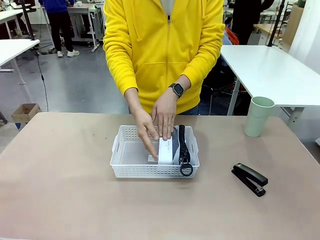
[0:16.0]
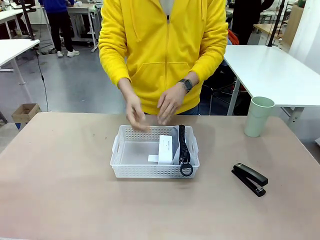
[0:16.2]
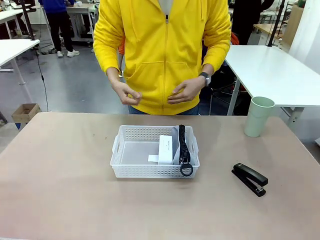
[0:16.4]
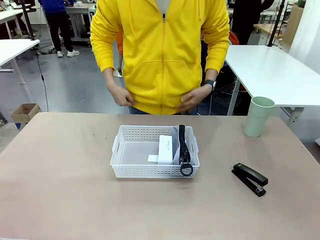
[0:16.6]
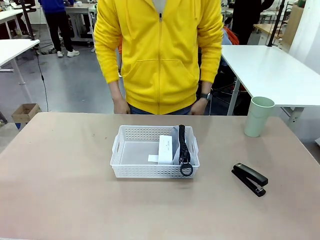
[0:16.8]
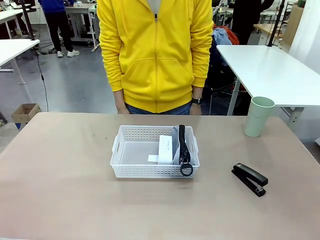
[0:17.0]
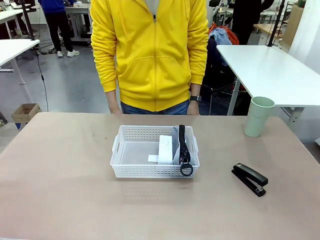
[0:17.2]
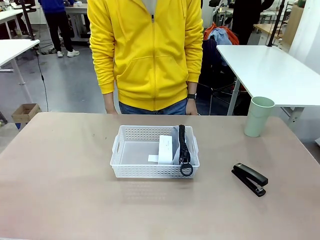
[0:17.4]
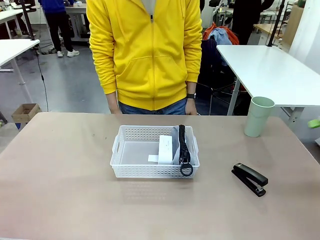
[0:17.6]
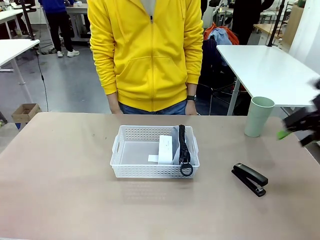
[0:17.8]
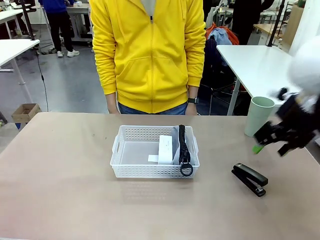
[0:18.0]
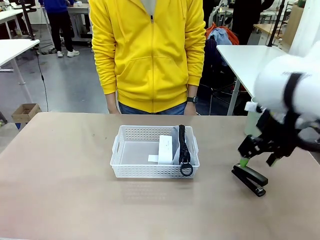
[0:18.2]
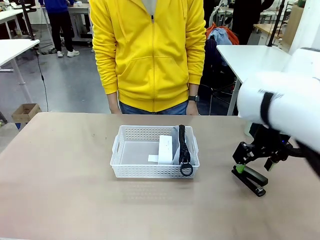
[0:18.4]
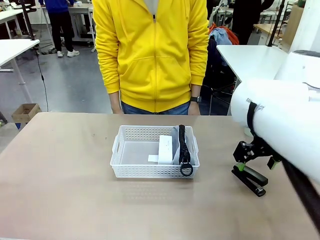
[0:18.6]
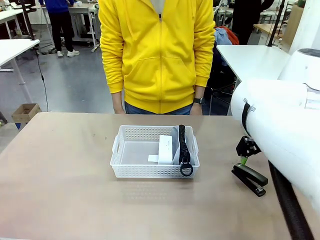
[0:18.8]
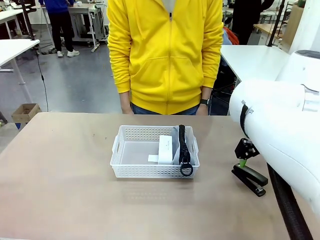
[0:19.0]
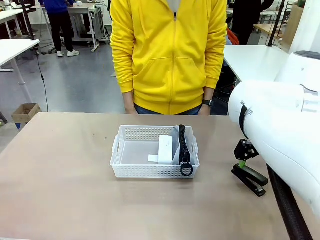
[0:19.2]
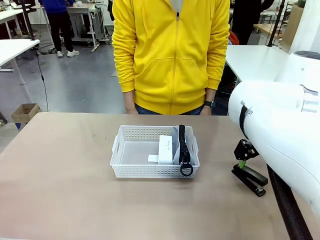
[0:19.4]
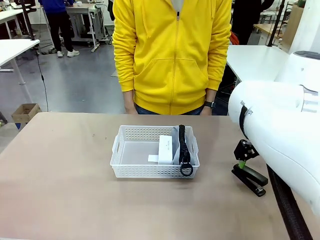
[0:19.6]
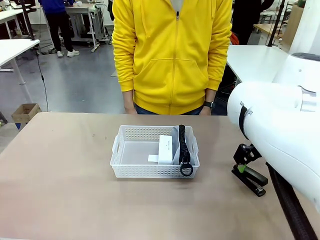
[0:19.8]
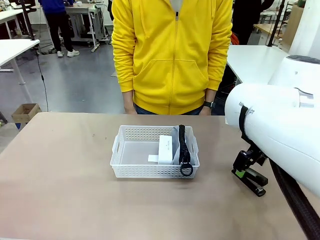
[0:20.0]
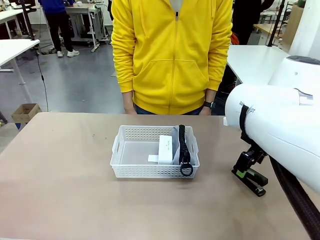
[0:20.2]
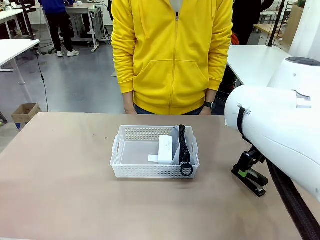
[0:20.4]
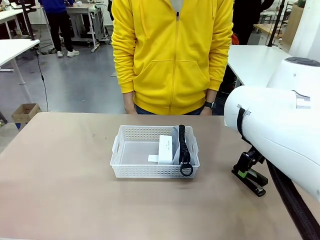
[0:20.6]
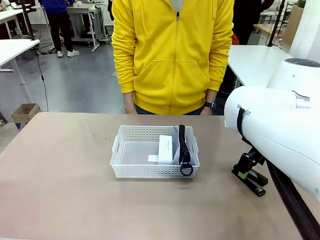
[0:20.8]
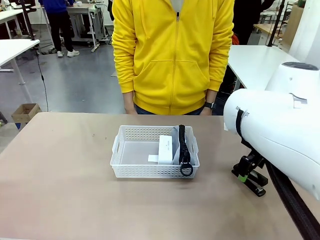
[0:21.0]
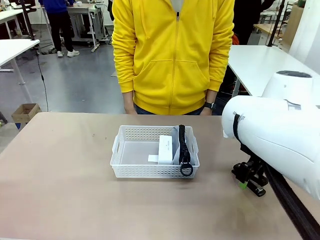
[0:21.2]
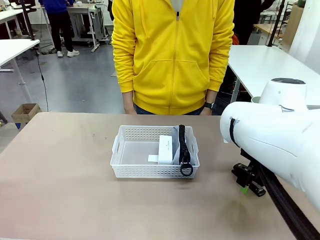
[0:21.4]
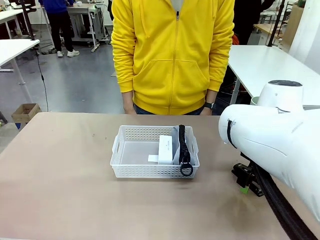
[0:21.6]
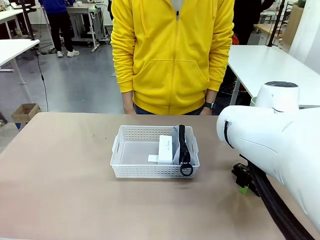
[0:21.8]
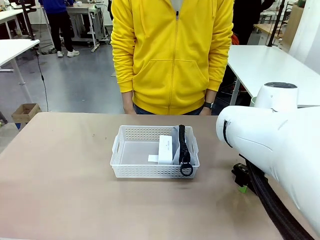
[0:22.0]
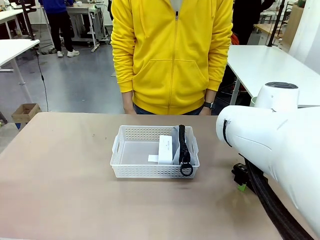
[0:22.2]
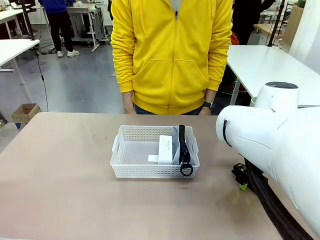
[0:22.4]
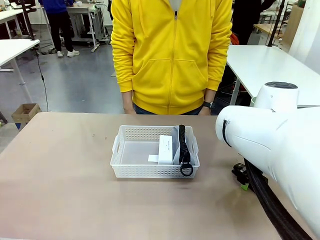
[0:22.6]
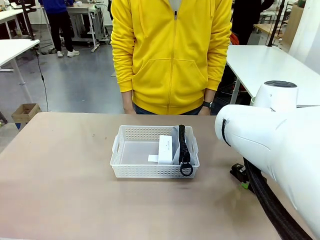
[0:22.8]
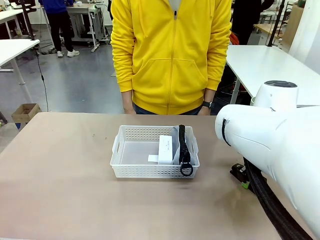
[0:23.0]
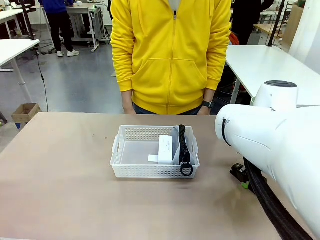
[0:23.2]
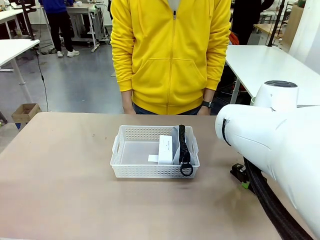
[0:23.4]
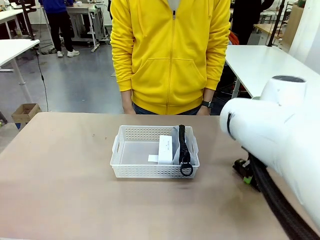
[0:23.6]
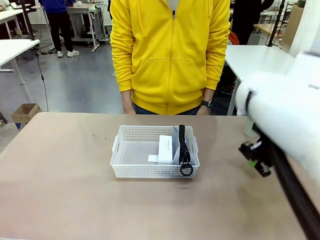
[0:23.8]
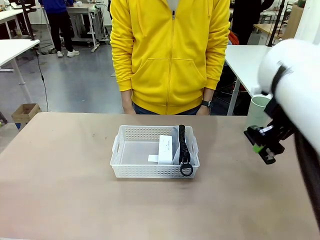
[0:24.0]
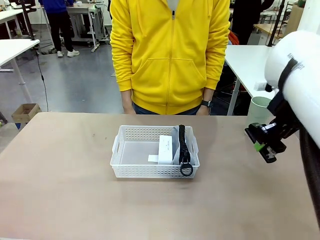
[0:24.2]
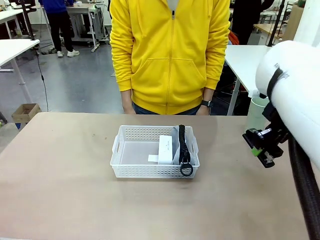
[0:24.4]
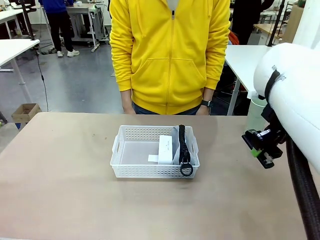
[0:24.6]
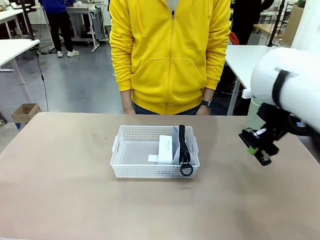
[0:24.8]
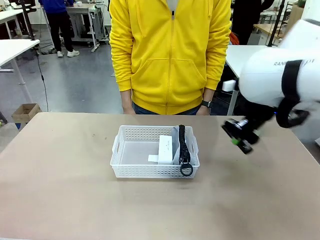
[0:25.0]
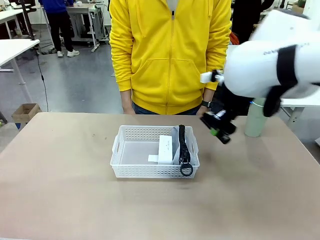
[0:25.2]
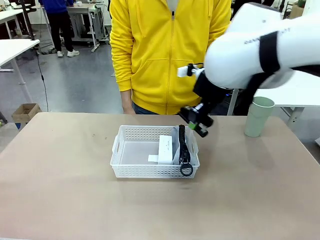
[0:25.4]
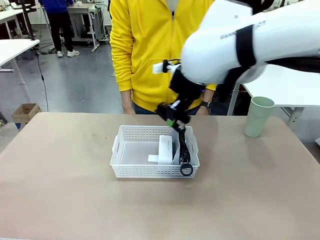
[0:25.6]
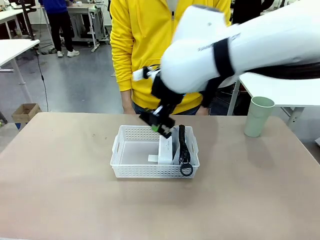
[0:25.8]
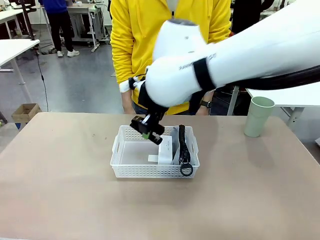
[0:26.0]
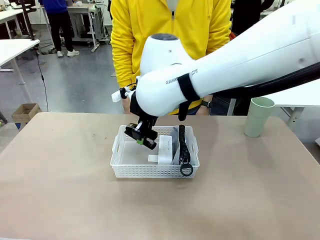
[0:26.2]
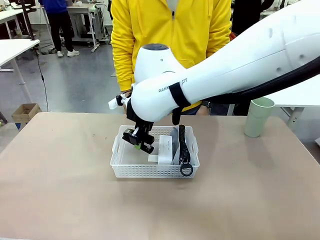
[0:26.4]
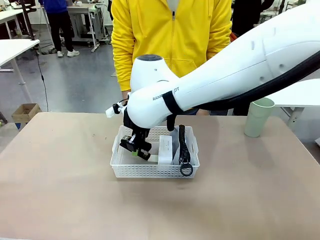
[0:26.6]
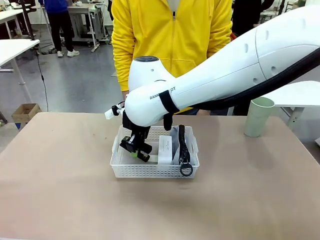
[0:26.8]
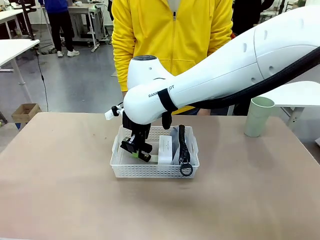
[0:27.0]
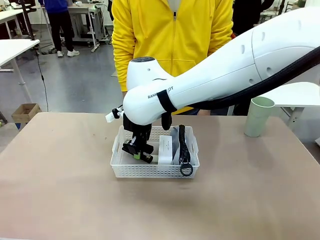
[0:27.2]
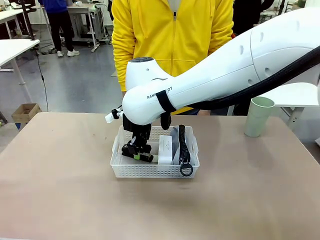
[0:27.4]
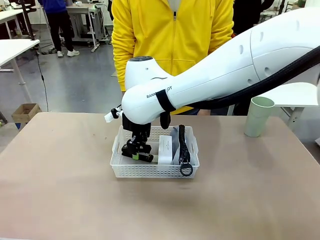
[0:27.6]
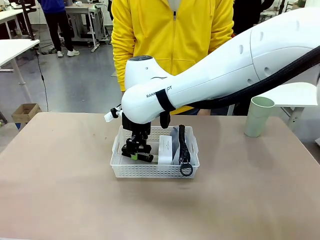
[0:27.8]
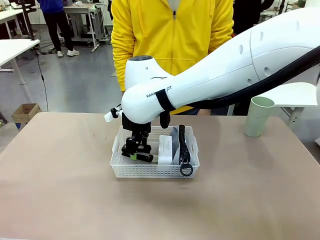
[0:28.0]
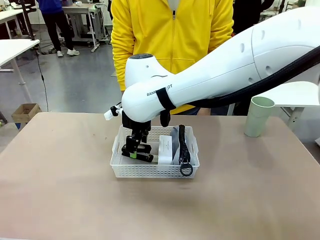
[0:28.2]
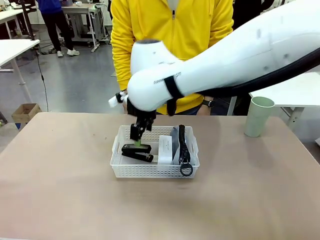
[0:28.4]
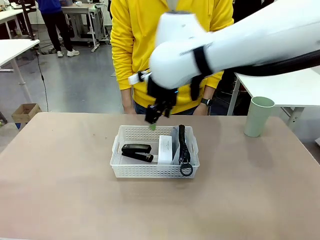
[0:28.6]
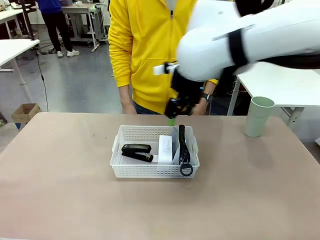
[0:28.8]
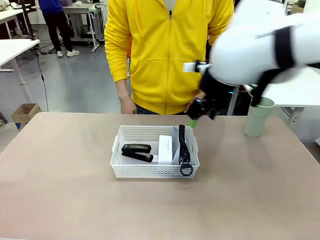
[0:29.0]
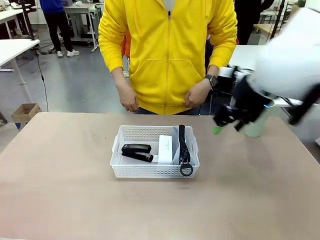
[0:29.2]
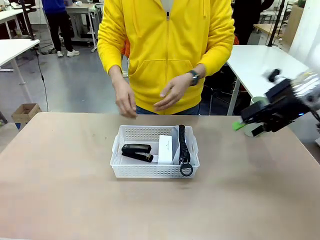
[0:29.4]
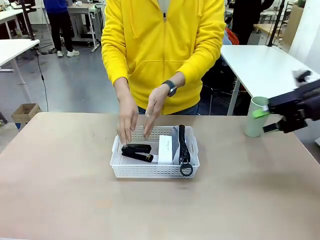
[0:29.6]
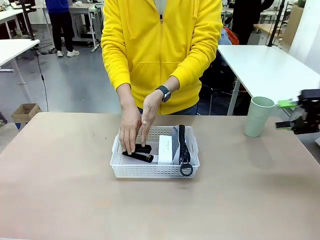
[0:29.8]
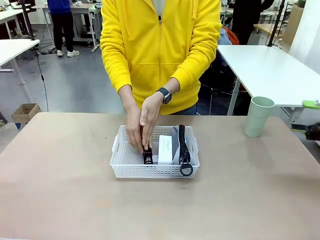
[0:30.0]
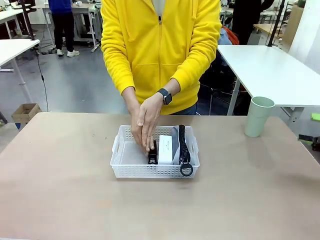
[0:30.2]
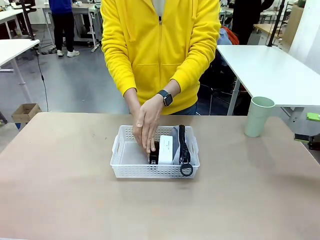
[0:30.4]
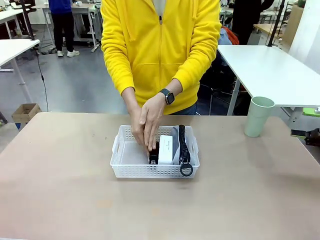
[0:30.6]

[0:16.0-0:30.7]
Task: Efficiently arrange items inside the basket to fit them all.
Robot: Pick up the Stapler and place it inside the Organizing basket.

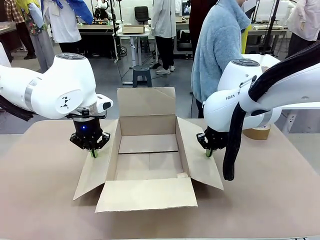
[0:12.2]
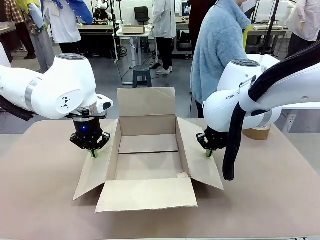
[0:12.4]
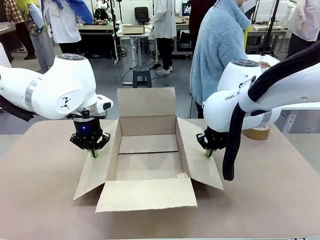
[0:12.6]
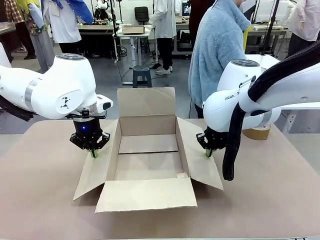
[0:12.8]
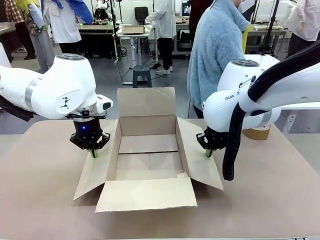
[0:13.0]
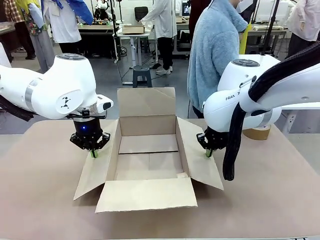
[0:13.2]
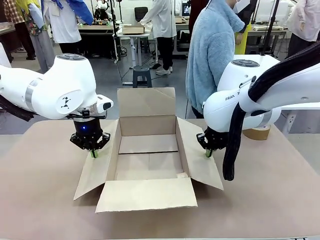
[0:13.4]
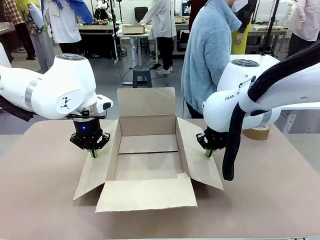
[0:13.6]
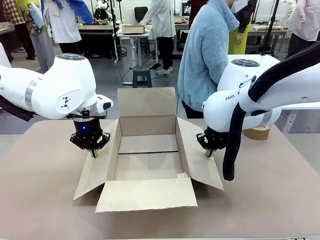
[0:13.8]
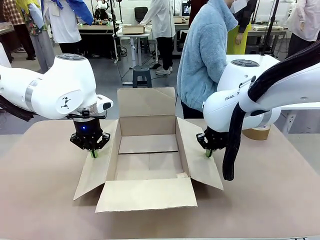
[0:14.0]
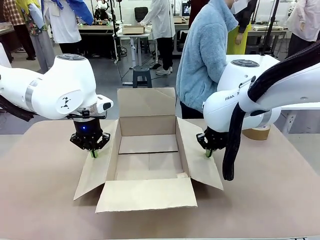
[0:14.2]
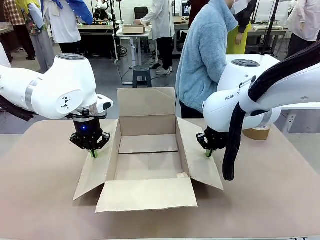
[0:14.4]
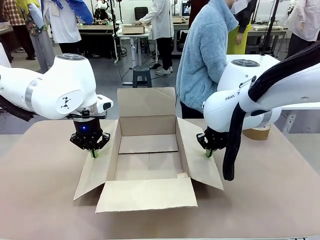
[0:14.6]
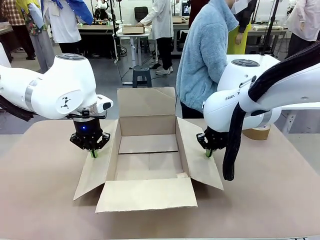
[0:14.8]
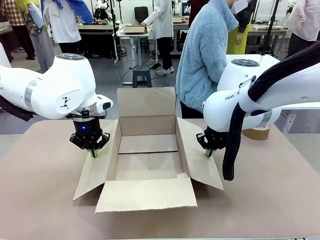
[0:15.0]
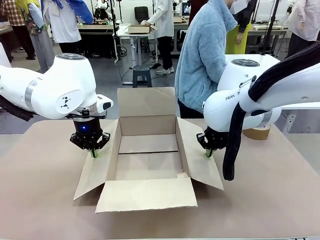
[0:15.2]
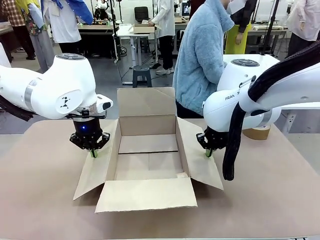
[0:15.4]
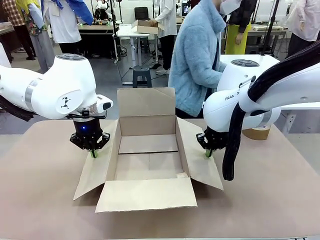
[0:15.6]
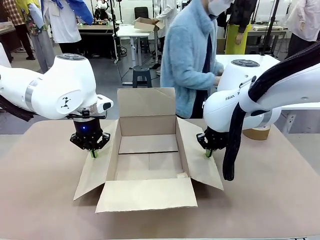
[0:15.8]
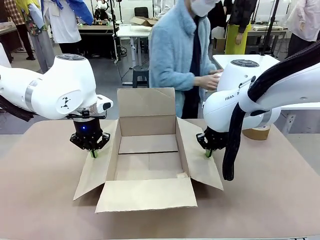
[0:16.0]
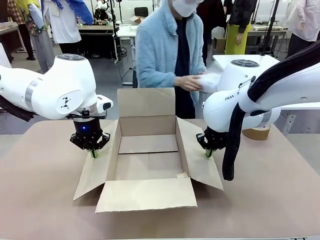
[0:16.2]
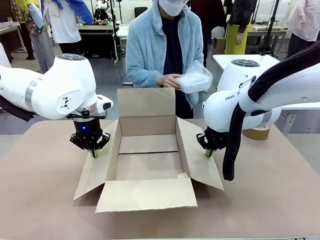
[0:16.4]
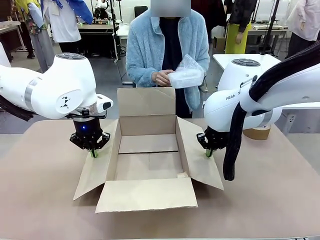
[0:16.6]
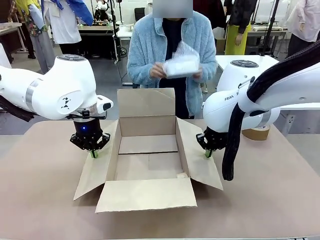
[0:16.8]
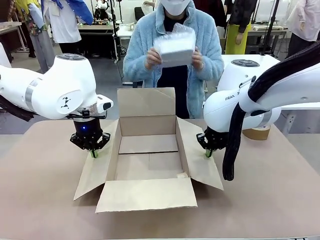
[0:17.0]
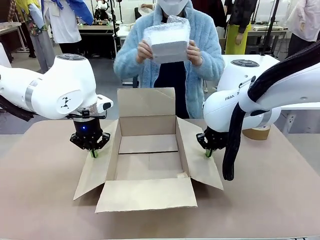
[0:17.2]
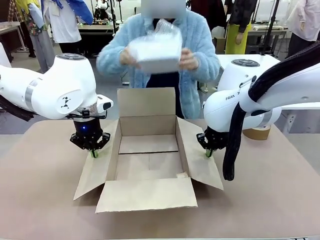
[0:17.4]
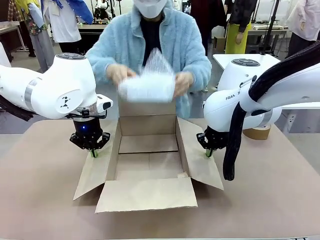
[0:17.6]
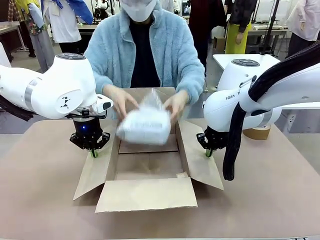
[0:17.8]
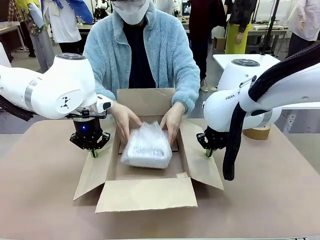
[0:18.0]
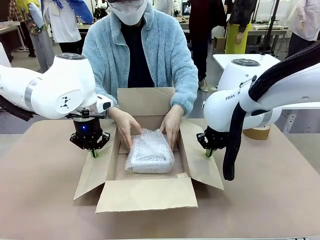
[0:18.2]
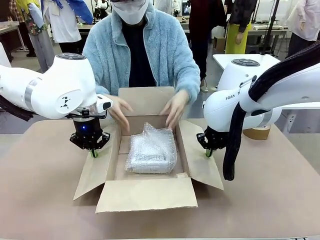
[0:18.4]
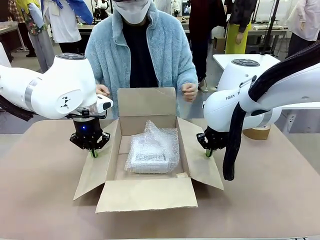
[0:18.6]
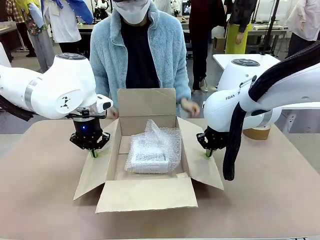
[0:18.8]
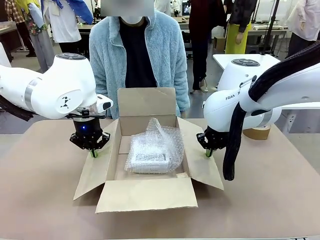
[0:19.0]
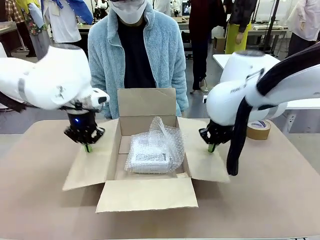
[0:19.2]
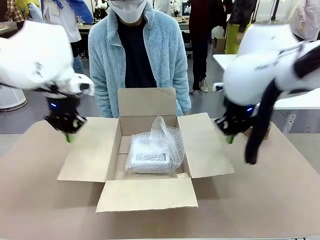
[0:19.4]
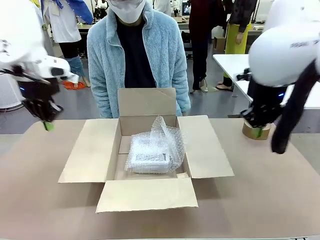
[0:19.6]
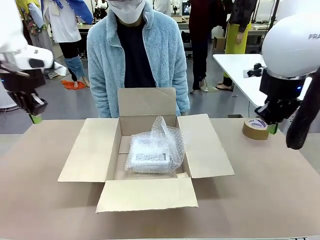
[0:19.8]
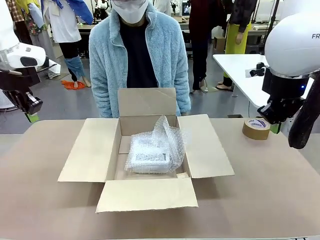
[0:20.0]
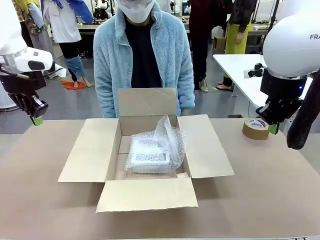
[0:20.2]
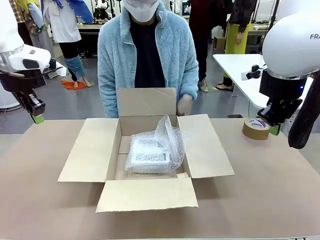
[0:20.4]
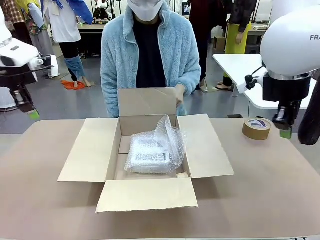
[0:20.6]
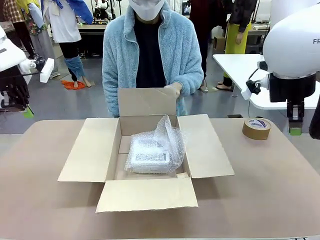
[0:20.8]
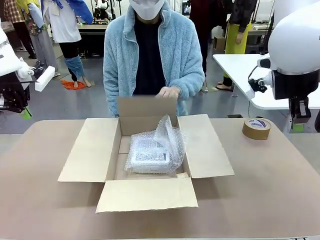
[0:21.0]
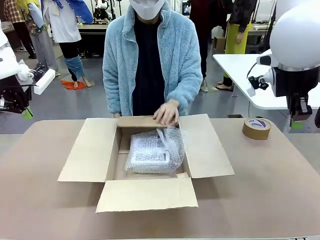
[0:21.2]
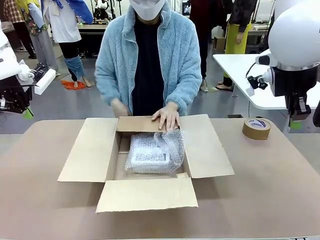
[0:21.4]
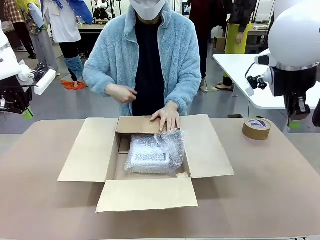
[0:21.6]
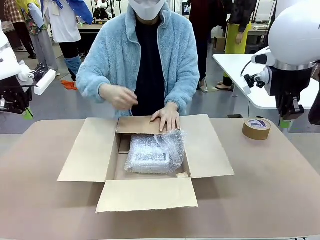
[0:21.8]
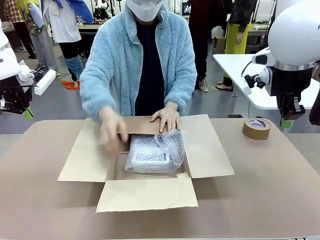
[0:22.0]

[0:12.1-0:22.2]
Task: Wrap the clocks to prevent damage.
Robot: Once the human has placed the objects inside and stepped back, release both hands from the side flaps of the Package Box.
Person: Place the wrapped Digital clocks inside the Package Box. Hold the top and bottom flaps of the Package Box closed with your left (or right) hand.
